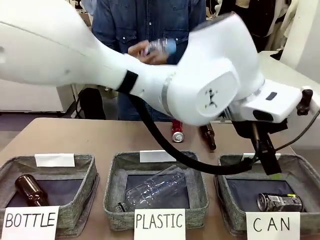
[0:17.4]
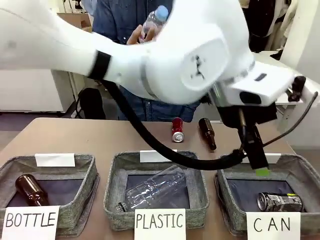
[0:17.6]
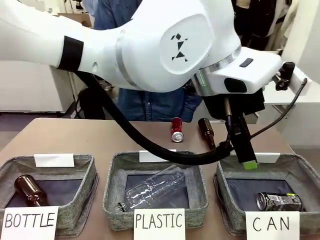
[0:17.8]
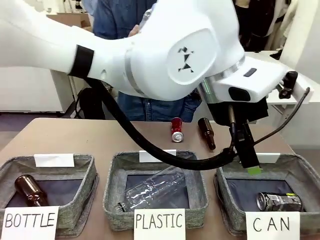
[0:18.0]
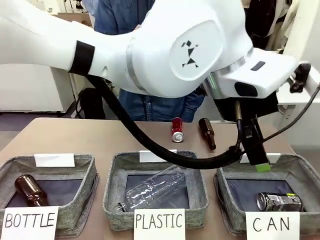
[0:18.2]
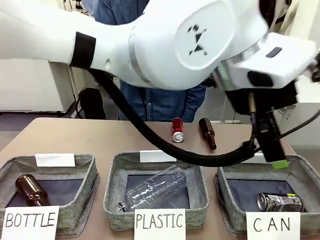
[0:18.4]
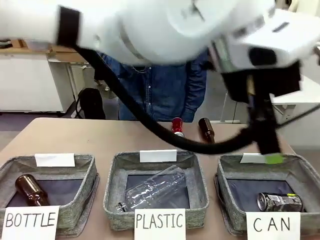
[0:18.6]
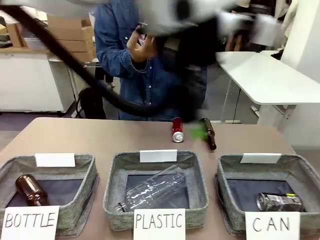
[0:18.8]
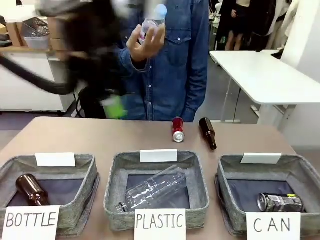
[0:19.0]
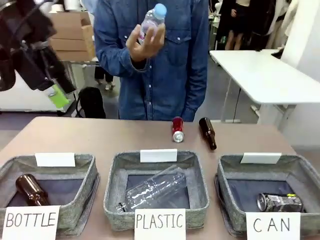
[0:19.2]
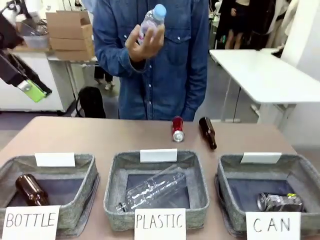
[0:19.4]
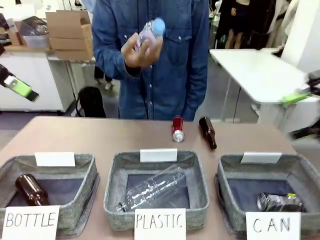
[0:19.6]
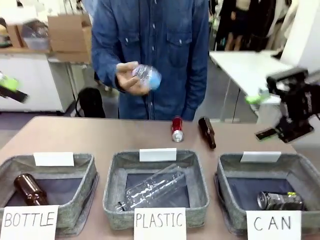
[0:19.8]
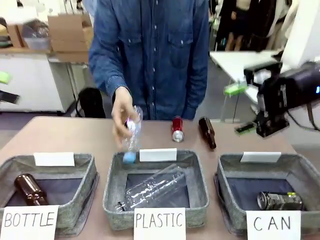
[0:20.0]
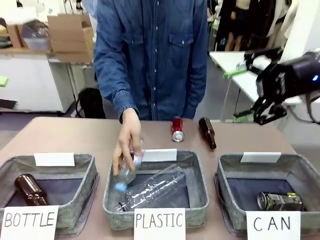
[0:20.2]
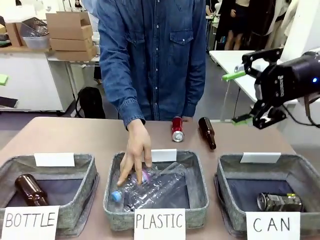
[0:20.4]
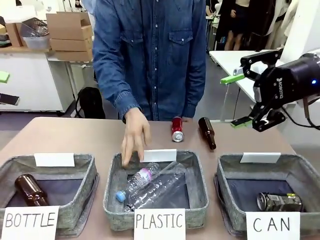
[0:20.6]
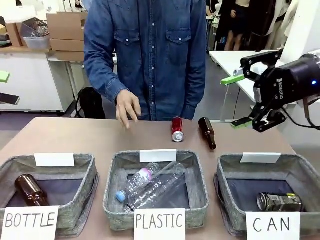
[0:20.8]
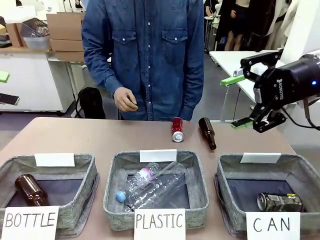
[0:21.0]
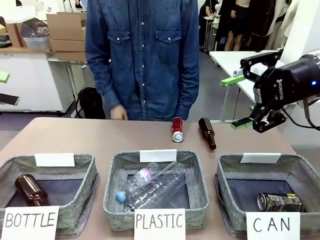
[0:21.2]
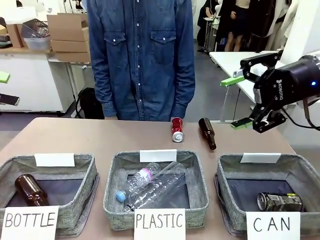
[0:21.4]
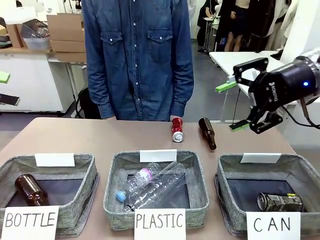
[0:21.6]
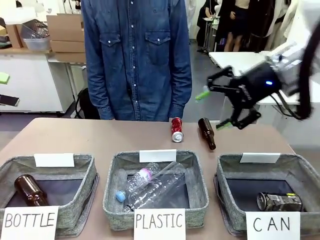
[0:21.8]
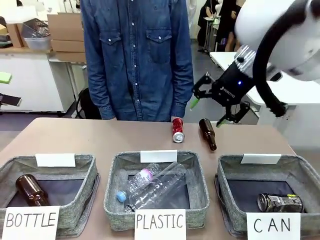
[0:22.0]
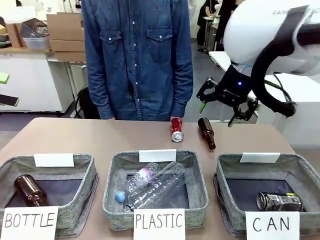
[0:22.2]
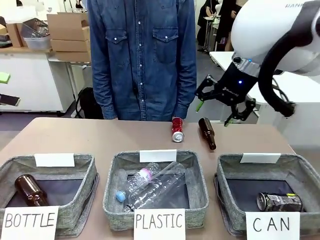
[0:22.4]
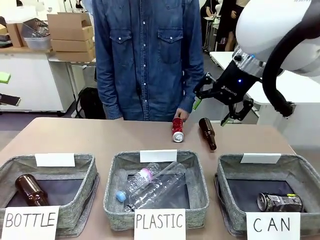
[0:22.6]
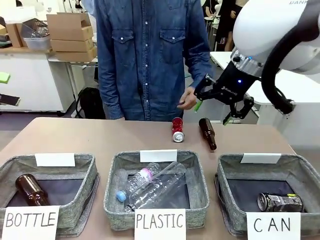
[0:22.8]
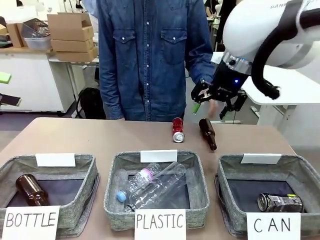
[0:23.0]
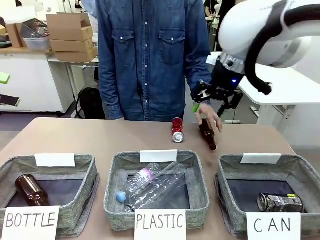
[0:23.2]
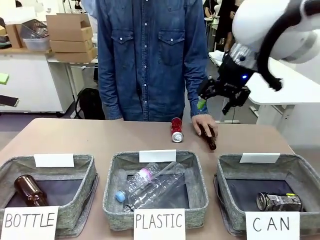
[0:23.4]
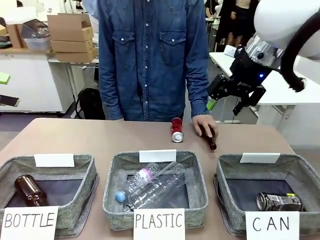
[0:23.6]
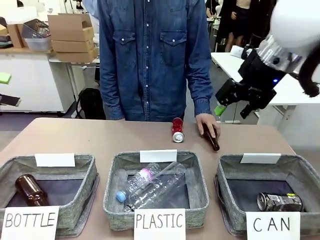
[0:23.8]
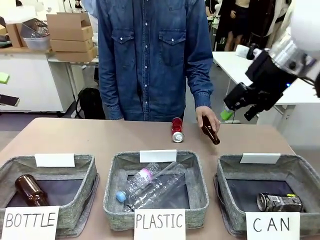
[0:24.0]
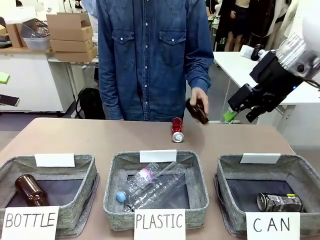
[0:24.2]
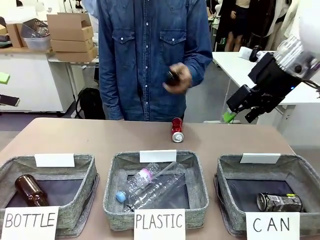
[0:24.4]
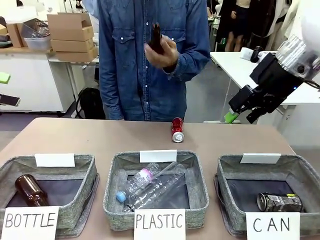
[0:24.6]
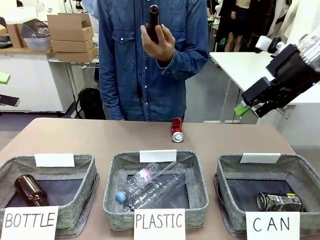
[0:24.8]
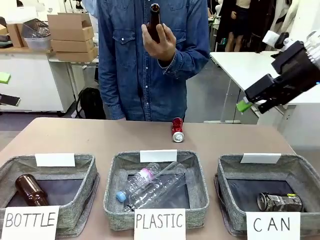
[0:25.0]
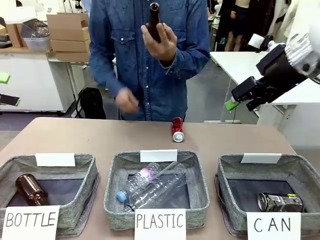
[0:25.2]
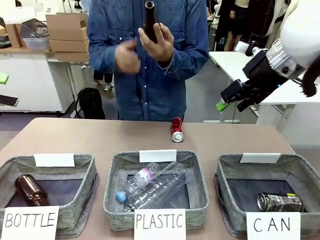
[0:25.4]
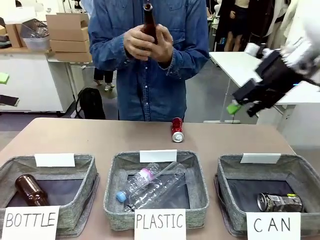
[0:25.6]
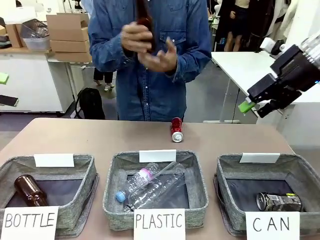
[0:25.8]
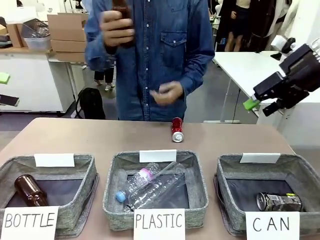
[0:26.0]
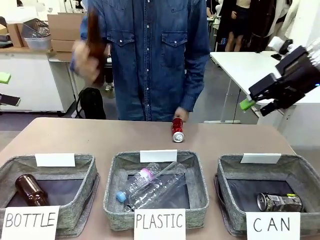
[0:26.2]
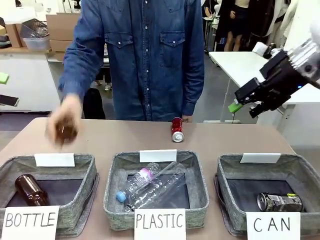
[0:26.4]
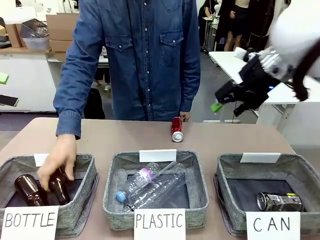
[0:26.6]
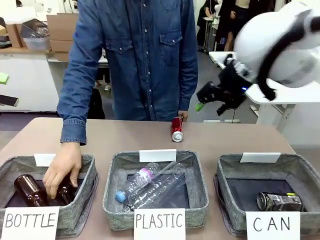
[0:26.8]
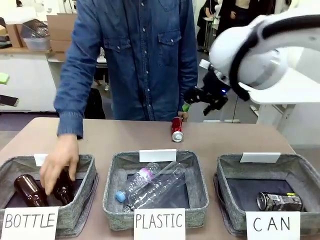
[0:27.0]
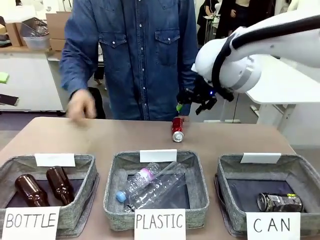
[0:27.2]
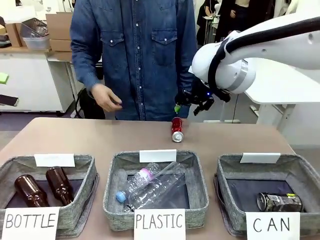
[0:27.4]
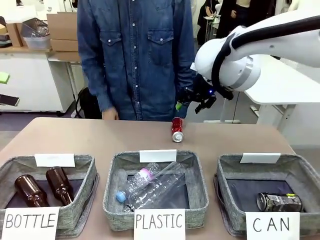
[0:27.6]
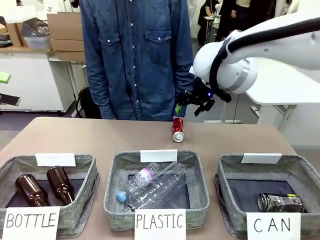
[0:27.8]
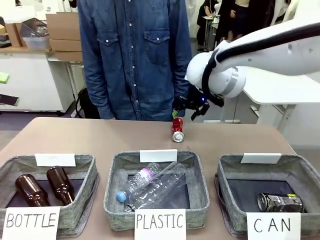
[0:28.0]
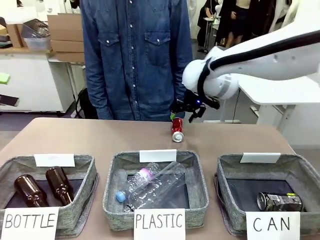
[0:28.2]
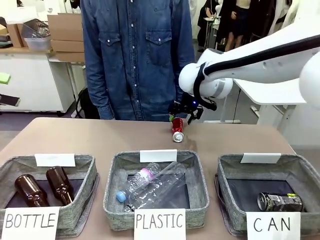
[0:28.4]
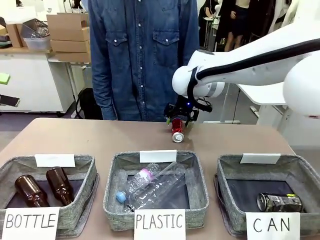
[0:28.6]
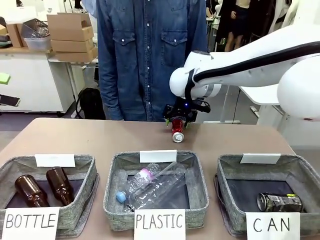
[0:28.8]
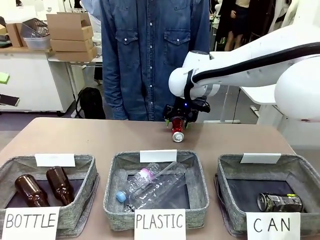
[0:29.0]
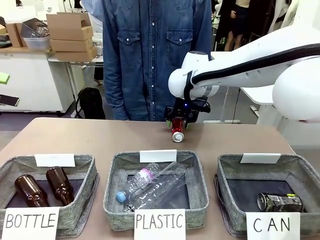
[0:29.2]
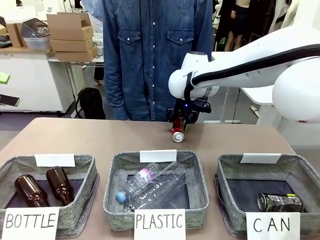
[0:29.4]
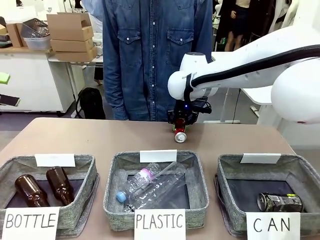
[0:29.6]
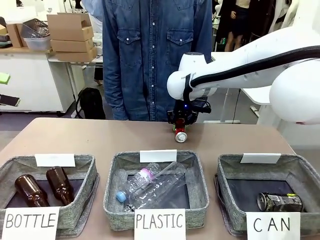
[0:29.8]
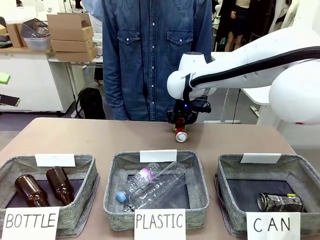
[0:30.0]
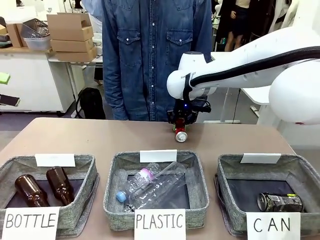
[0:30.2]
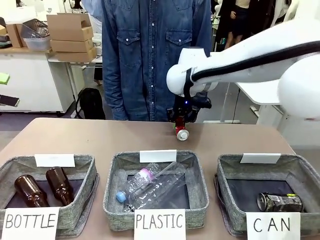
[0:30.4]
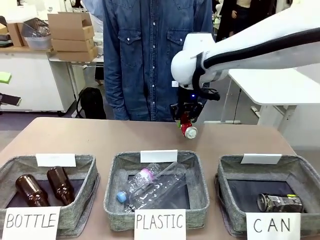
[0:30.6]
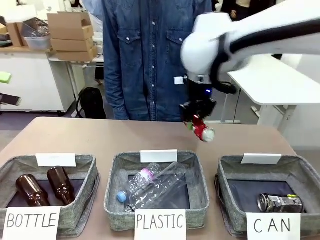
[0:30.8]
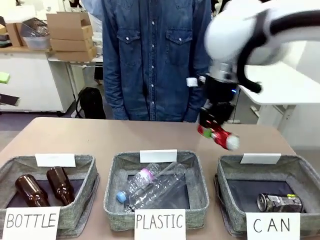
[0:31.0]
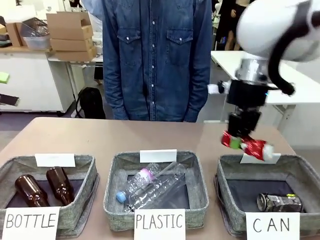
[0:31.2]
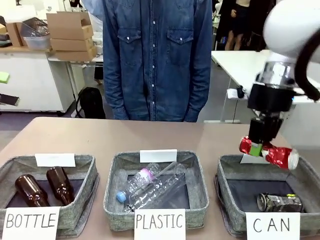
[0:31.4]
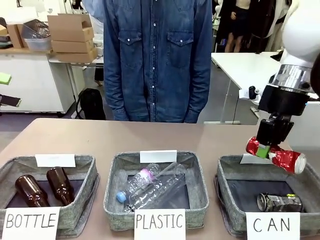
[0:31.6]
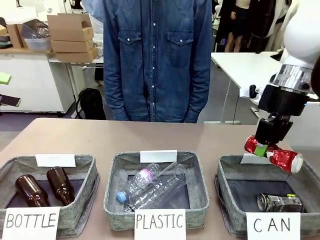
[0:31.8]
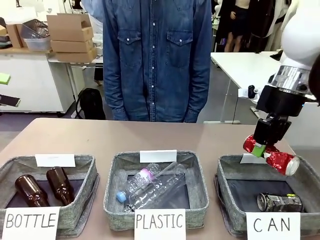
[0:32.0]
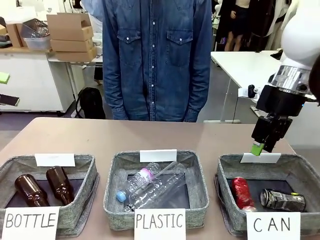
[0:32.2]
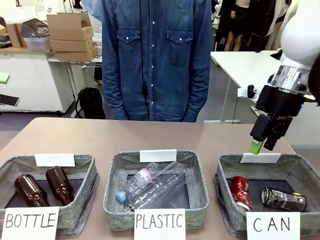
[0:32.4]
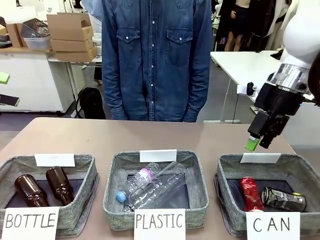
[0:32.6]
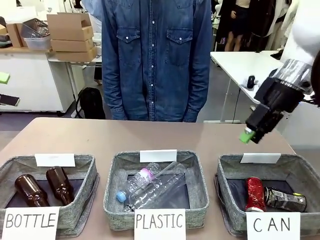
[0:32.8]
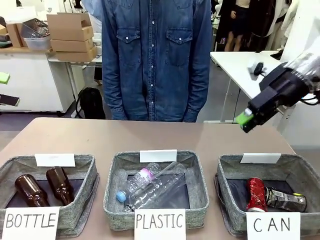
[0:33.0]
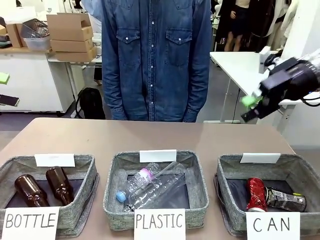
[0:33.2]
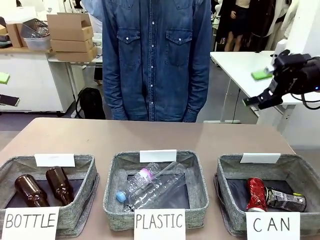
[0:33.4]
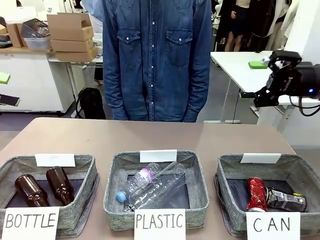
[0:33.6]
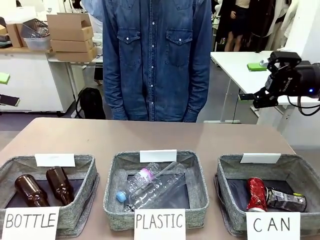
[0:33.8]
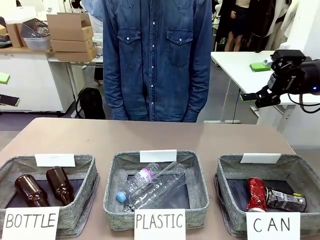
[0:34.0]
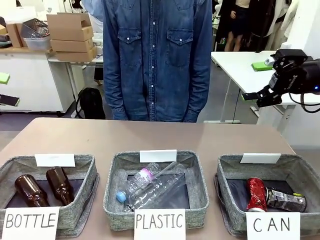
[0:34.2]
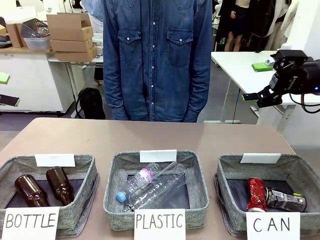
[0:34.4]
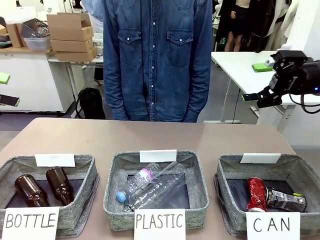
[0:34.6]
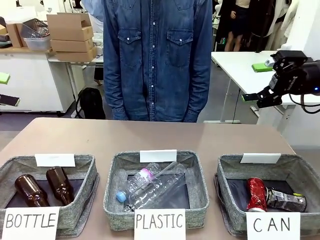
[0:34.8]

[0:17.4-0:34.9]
Task: Sort the can waste into the basket.
Robot: Pick up the can waste from the table and place it in the right Fabric basket.
Person: The human picks up one piece of trash that is not a can and places the trash into the appropriate organizing basket.
